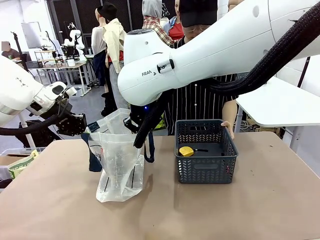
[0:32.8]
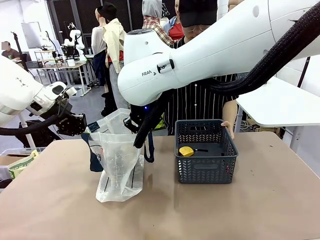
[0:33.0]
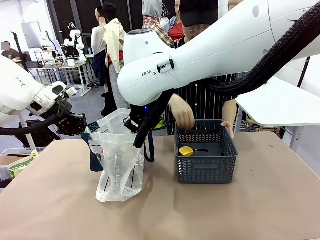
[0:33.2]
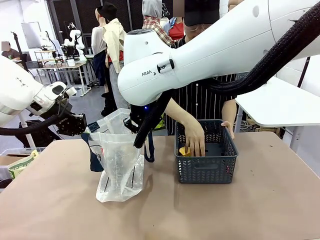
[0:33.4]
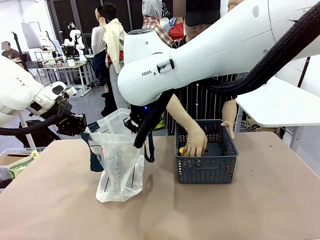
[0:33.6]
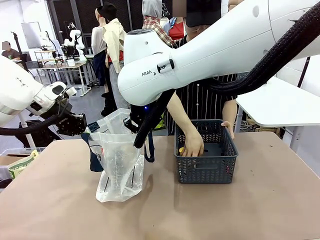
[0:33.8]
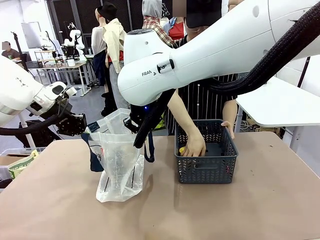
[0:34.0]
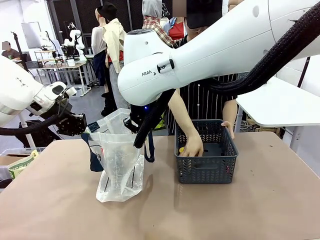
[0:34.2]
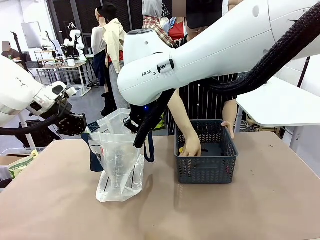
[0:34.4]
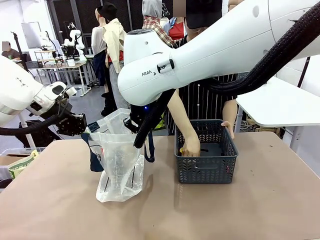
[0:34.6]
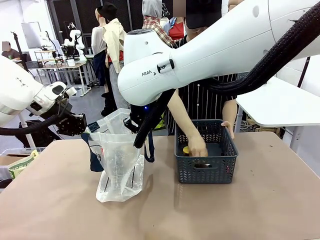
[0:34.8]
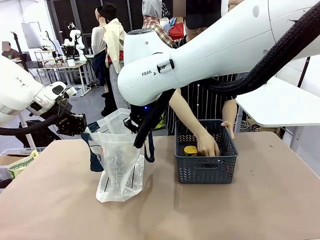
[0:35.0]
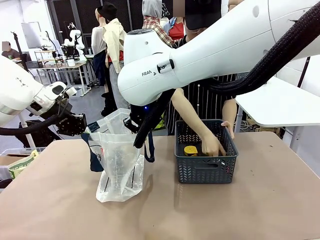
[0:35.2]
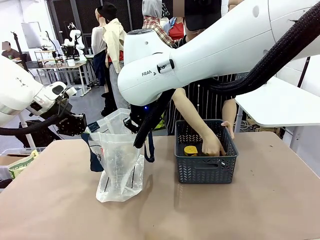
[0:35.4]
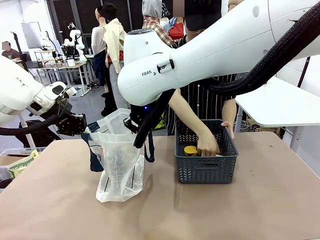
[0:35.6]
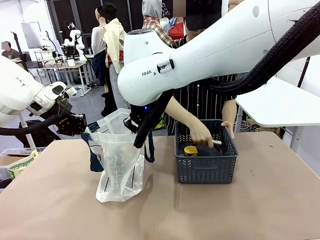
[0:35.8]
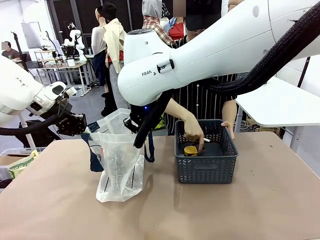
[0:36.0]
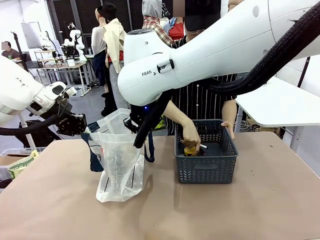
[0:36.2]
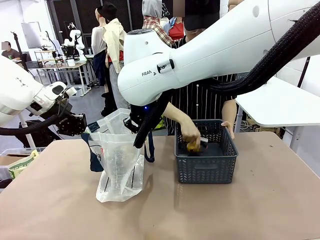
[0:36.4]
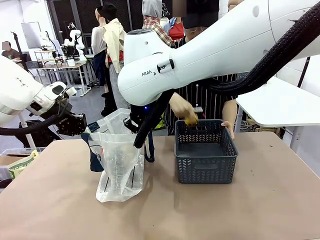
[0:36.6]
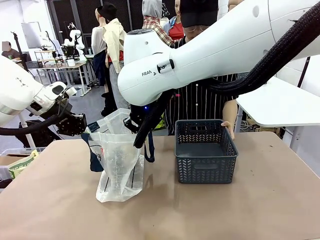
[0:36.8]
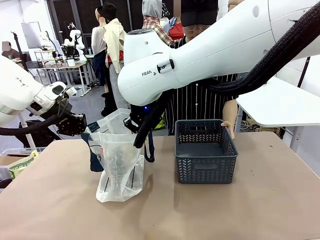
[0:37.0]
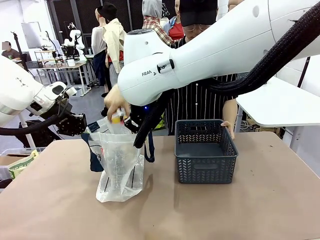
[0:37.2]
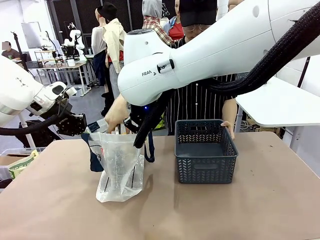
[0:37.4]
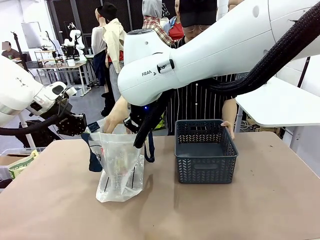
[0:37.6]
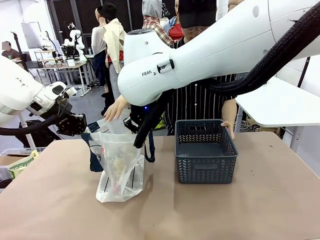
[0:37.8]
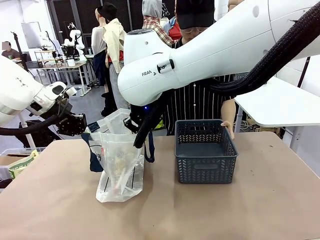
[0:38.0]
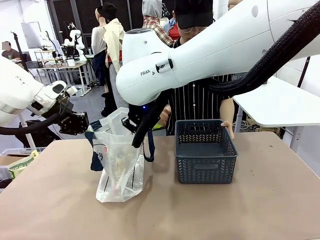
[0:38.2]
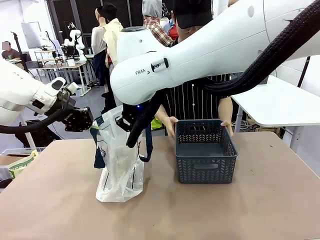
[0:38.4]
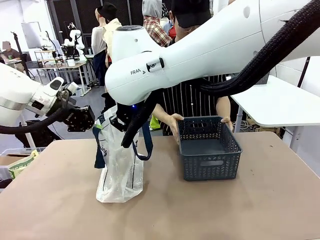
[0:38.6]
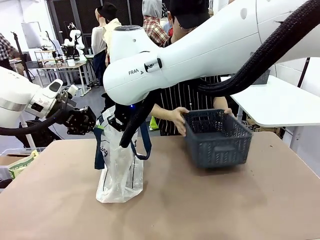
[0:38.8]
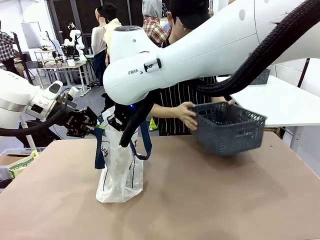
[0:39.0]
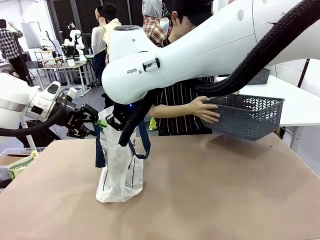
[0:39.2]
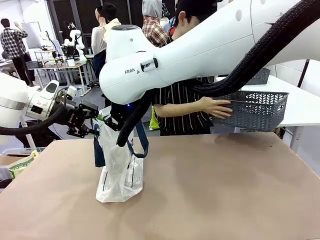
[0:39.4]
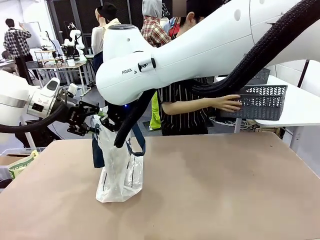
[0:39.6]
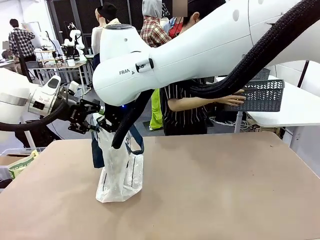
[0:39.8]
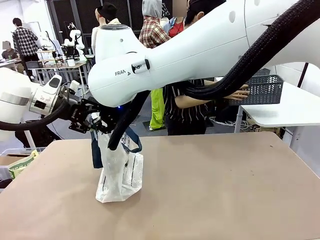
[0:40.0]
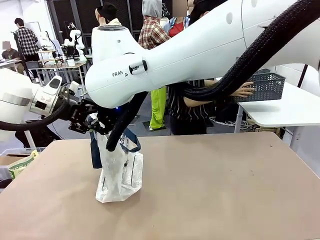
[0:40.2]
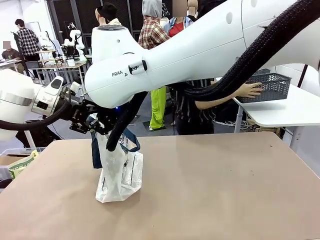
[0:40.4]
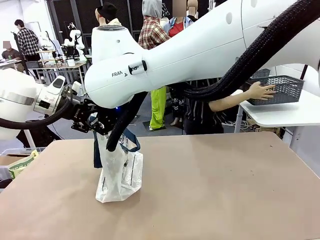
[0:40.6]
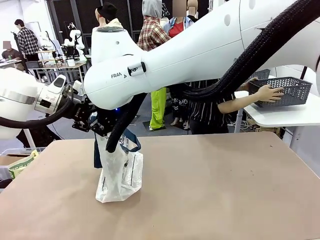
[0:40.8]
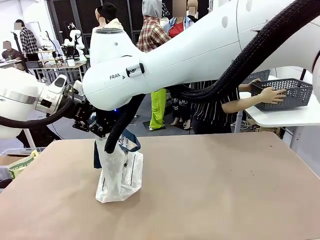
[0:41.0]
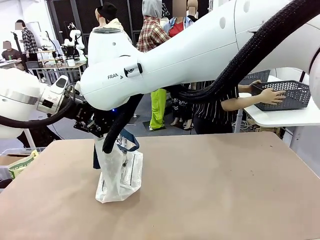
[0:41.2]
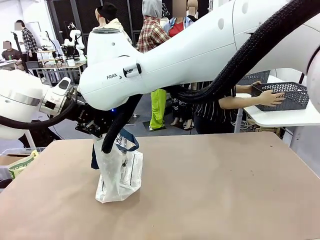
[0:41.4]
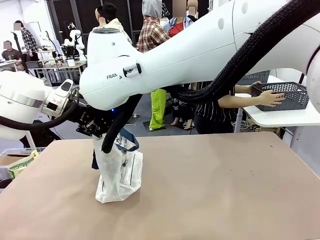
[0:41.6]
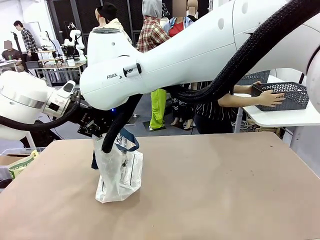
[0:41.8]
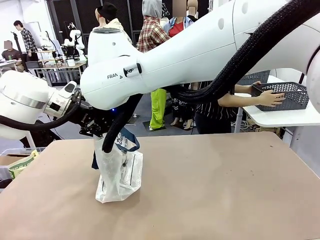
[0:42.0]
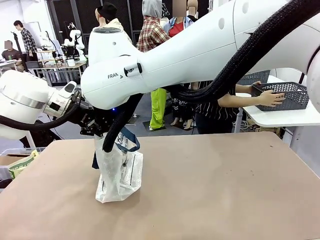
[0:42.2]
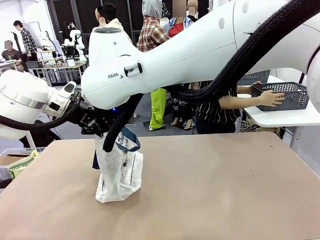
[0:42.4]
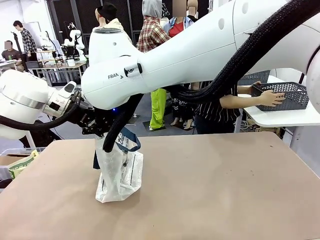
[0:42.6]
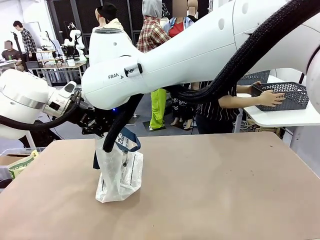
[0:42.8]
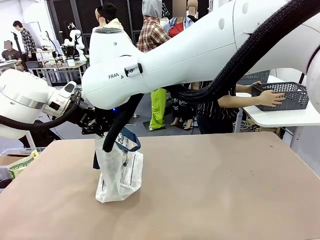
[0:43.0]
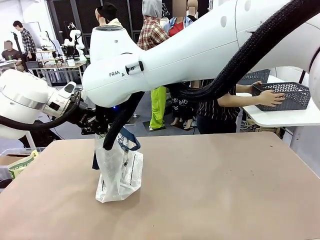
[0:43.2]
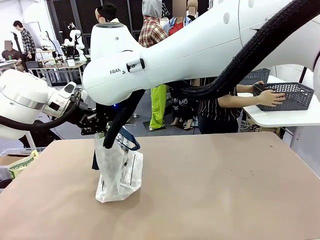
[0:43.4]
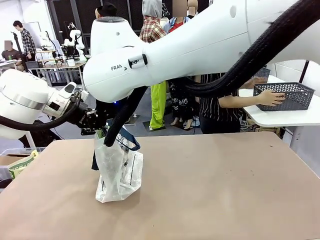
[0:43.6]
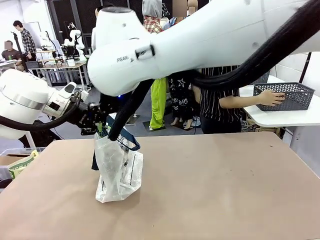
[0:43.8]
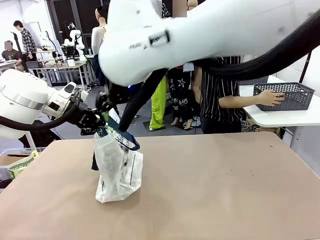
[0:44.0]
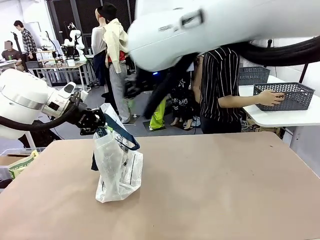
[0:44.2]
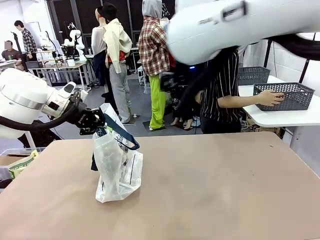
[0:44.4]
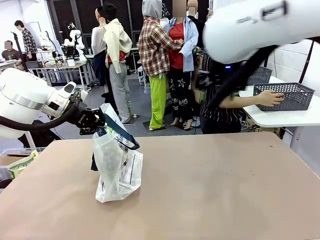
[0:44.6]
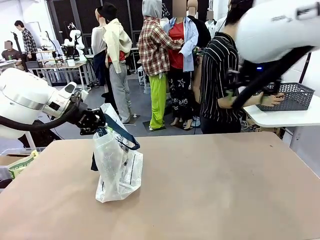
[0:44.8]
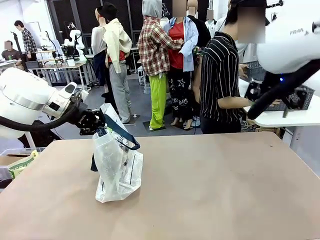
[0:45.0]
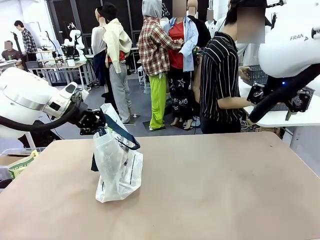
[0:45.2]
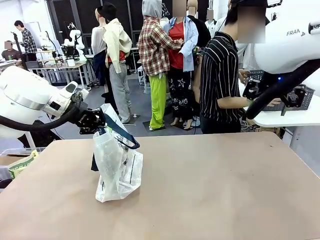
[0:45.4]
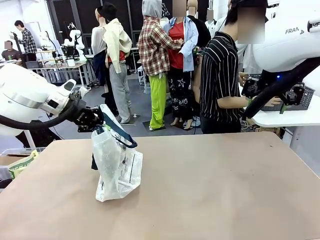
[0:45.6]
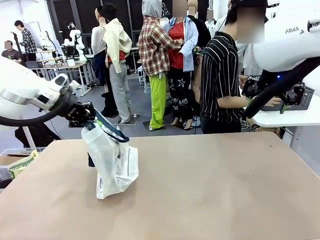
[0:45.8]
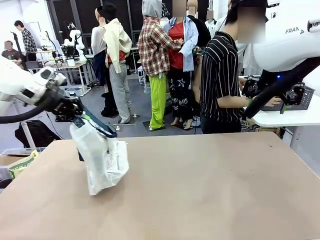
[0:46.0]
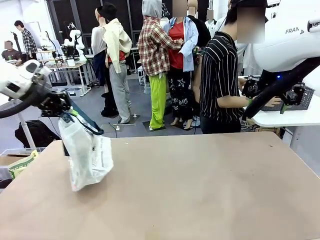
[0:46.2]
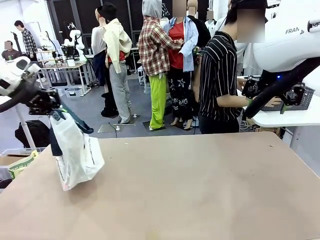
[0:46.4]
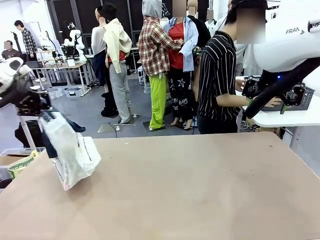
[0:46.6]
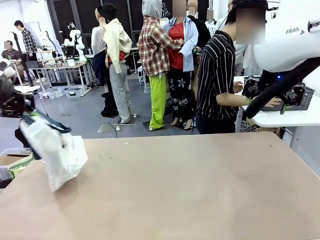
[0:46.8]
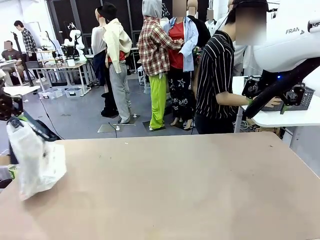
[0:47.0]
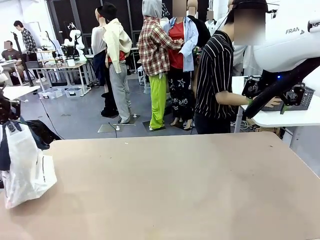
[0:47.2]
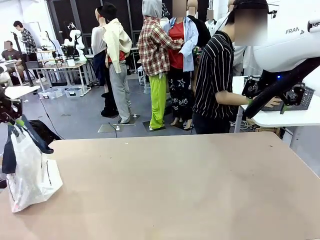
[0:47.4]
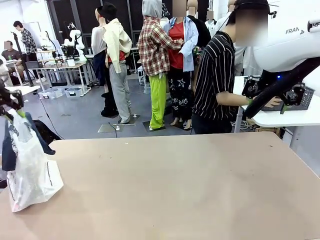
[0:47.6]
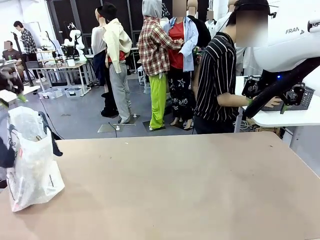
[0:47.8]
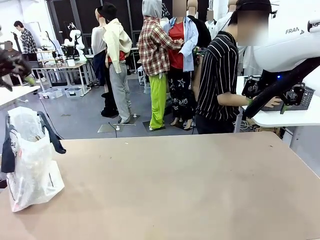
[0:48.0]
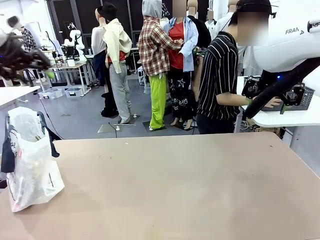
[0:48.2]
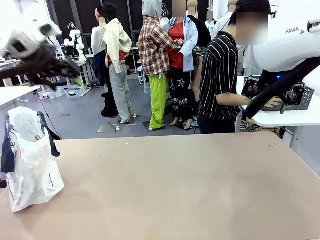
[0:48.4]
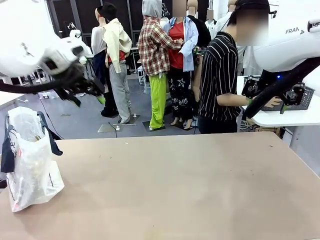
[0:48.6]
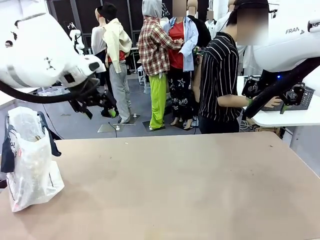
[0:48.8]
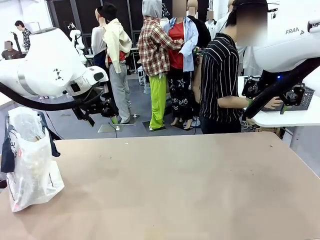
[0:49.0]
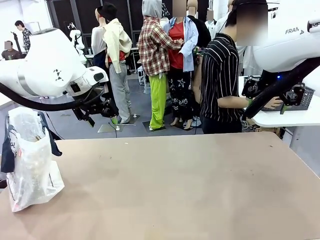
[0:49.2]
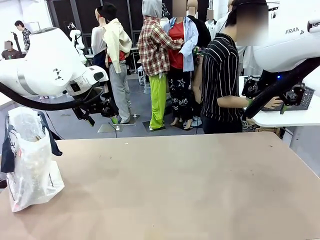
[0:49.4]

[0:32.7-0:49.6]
Task: Transfer purchased items from the store into the shopping bag.
Robot: Move the Reusable shopping bag to the right side of the table.
Person: Move the basket on the left to the middle of the person's table.
